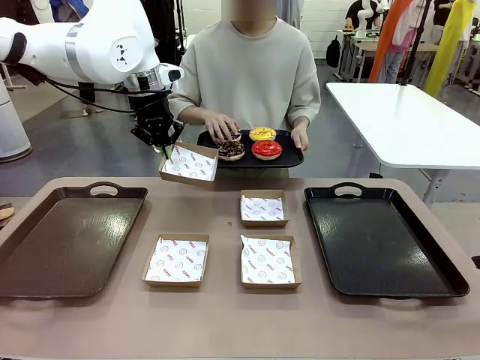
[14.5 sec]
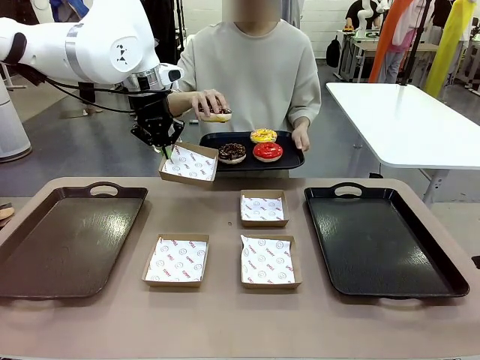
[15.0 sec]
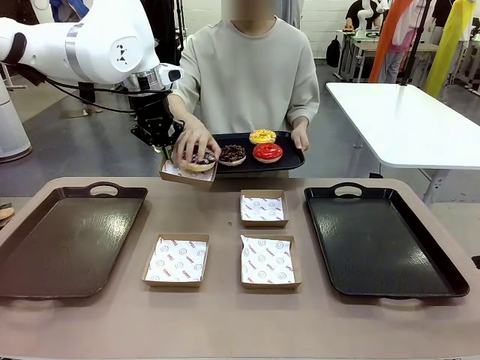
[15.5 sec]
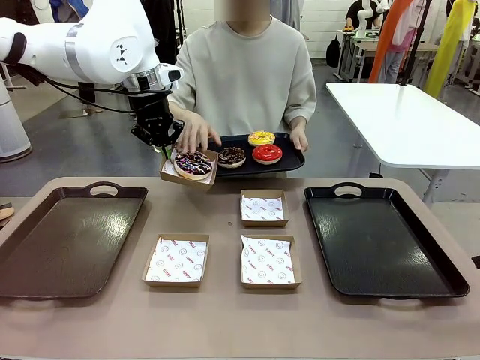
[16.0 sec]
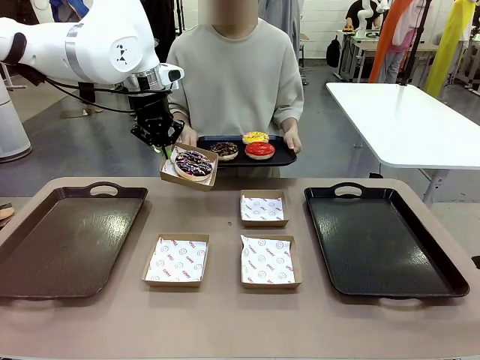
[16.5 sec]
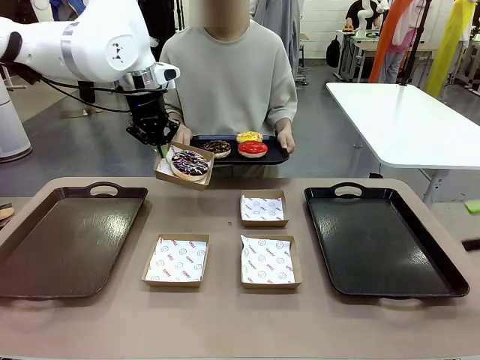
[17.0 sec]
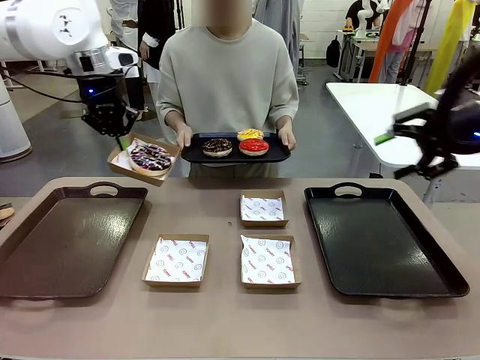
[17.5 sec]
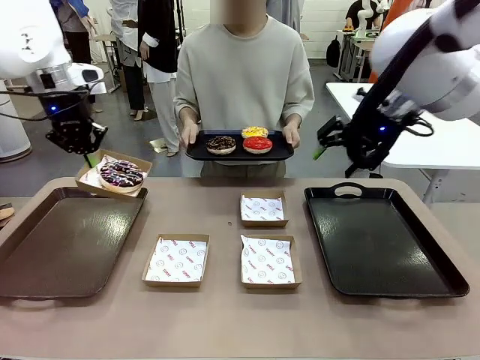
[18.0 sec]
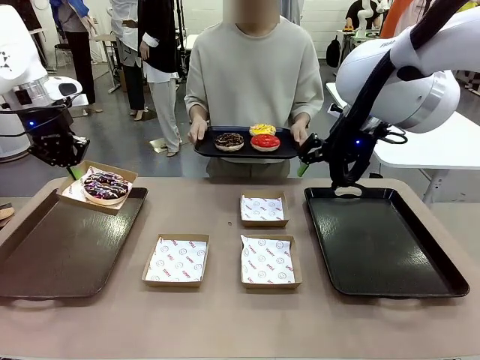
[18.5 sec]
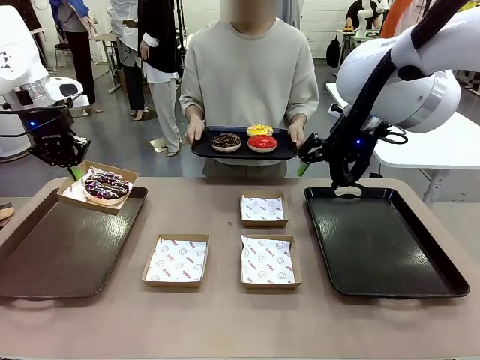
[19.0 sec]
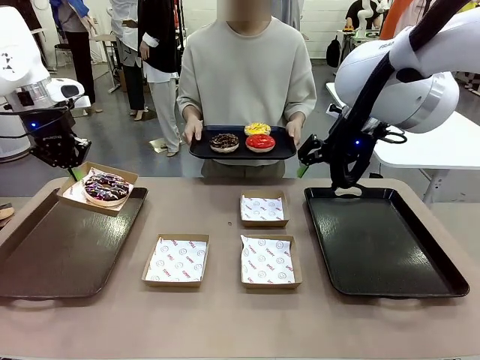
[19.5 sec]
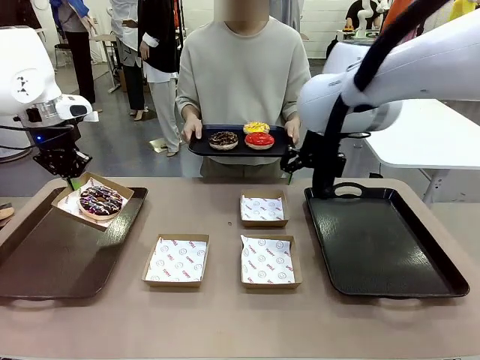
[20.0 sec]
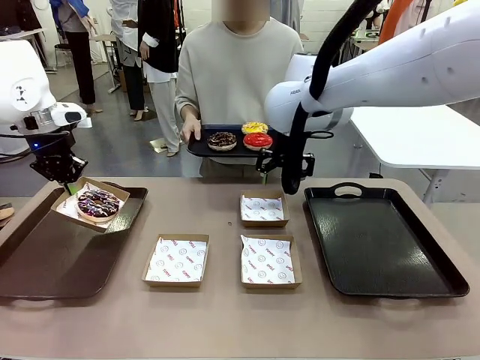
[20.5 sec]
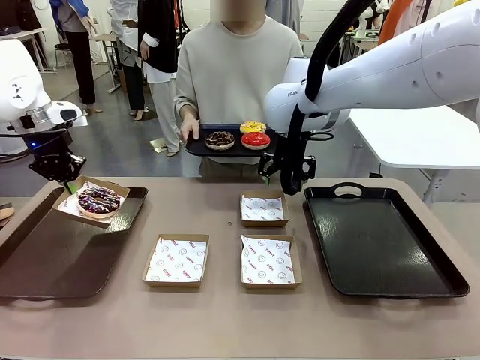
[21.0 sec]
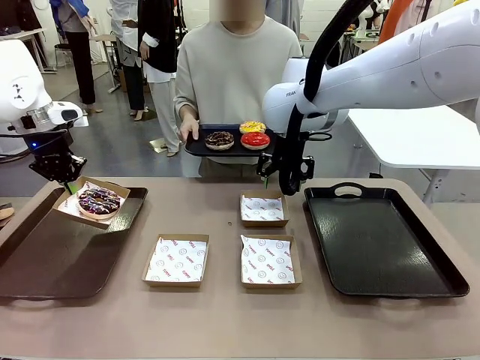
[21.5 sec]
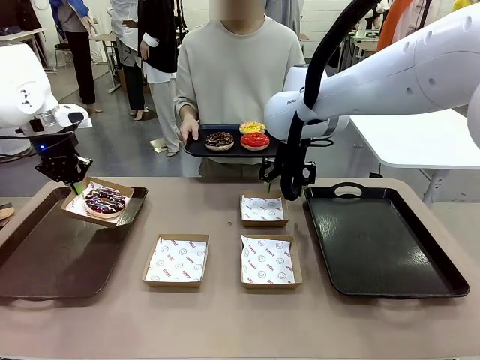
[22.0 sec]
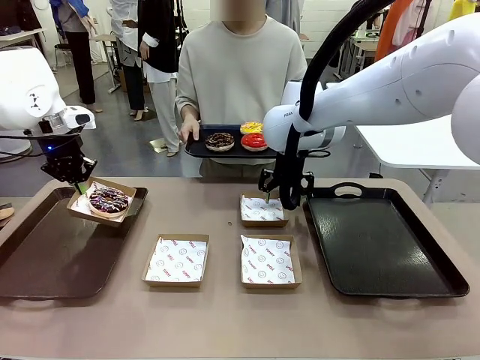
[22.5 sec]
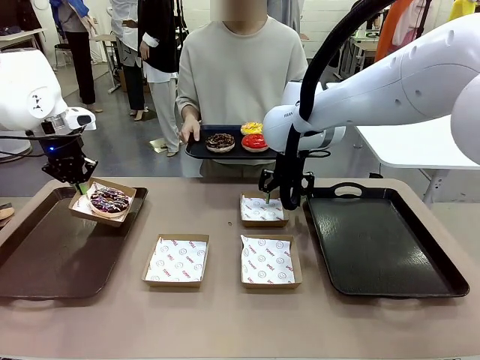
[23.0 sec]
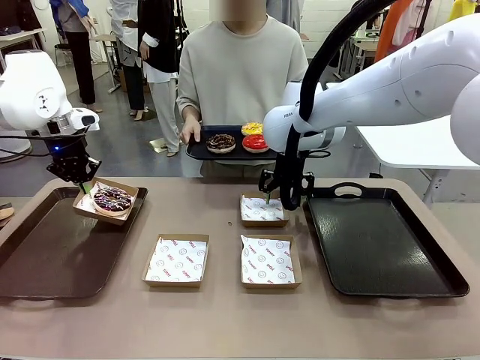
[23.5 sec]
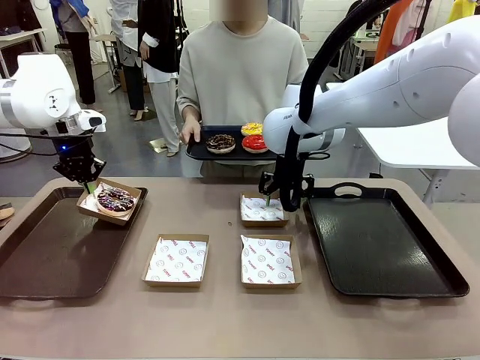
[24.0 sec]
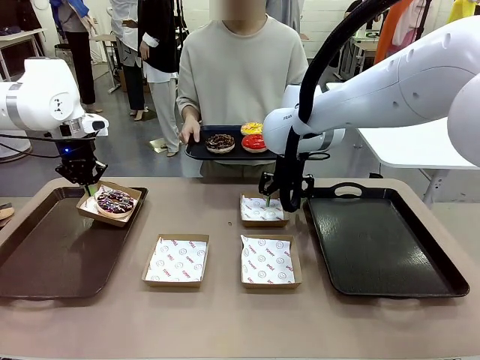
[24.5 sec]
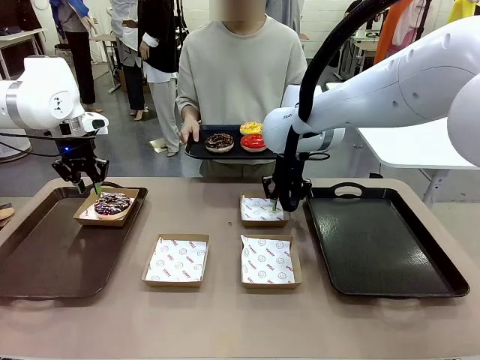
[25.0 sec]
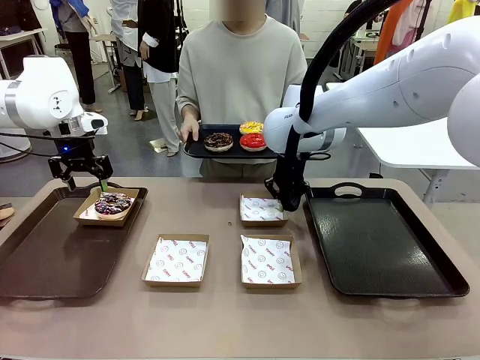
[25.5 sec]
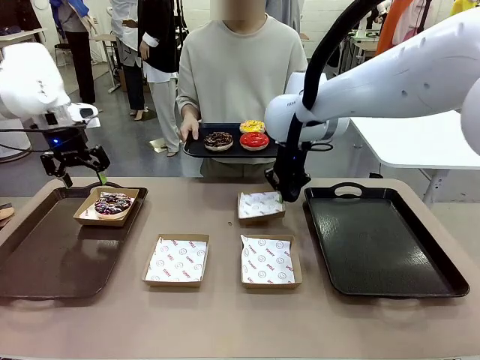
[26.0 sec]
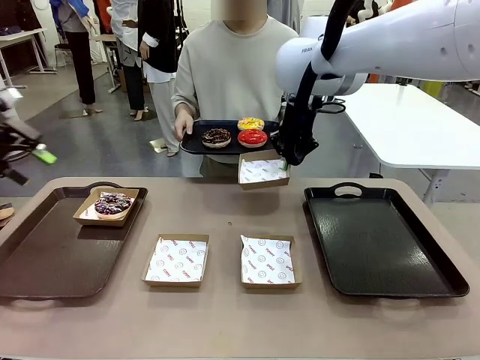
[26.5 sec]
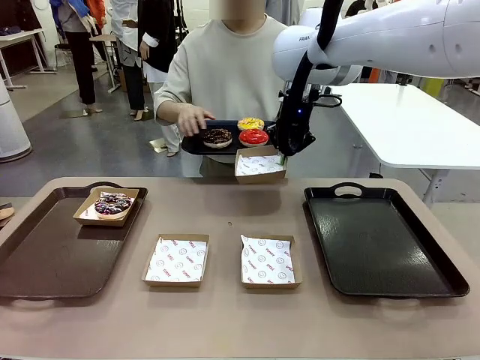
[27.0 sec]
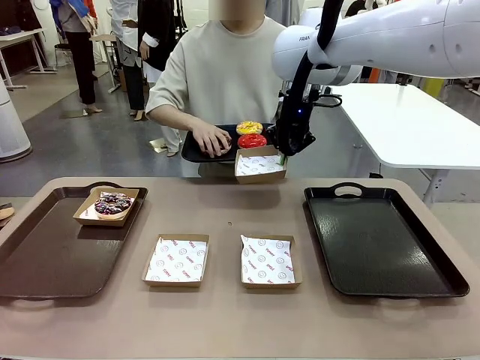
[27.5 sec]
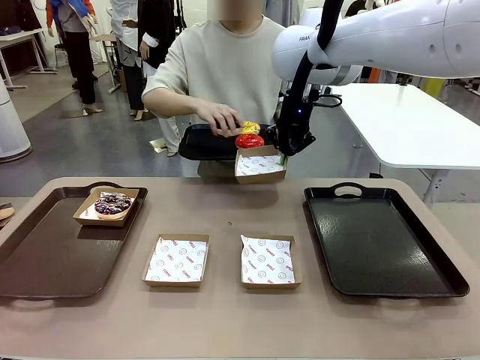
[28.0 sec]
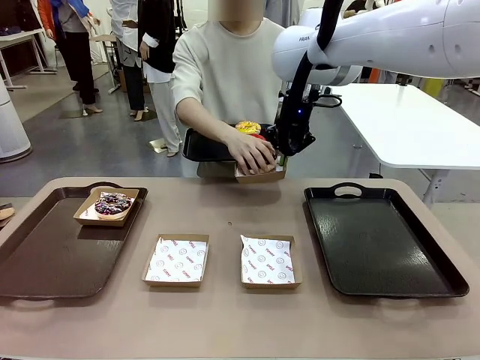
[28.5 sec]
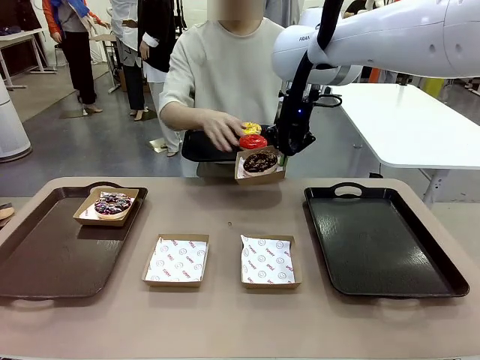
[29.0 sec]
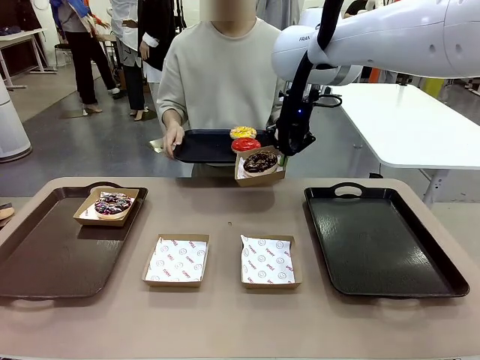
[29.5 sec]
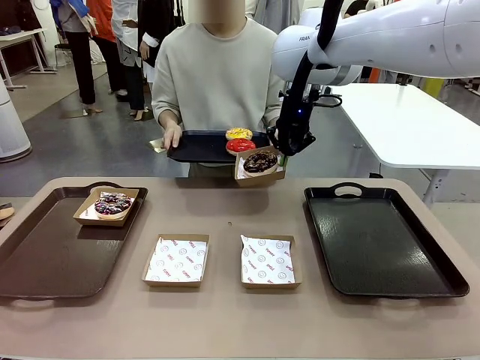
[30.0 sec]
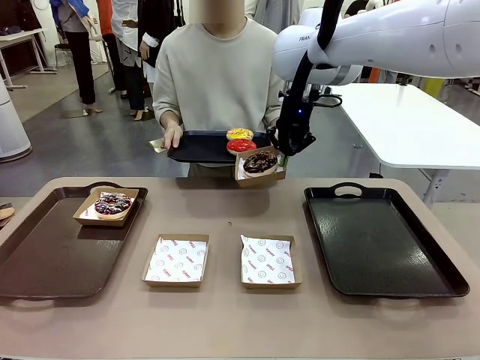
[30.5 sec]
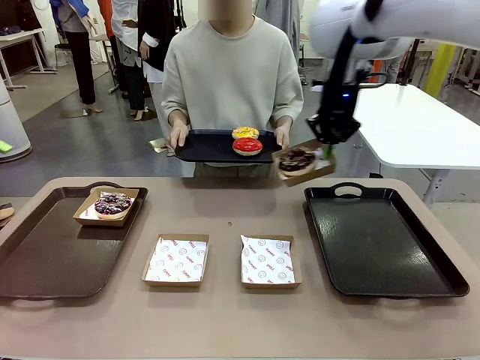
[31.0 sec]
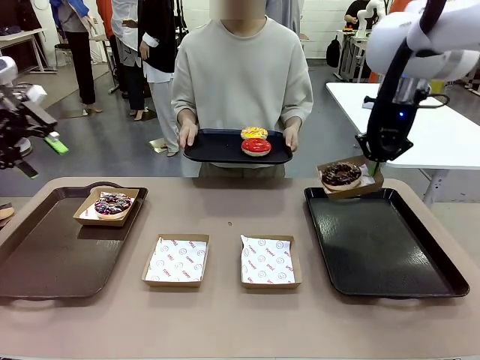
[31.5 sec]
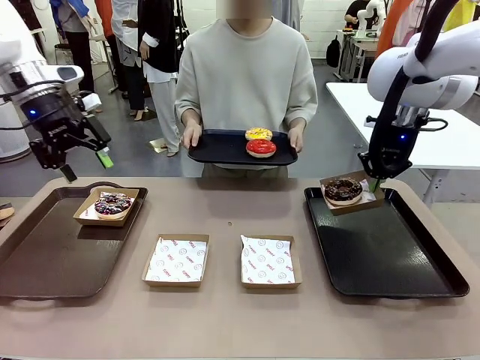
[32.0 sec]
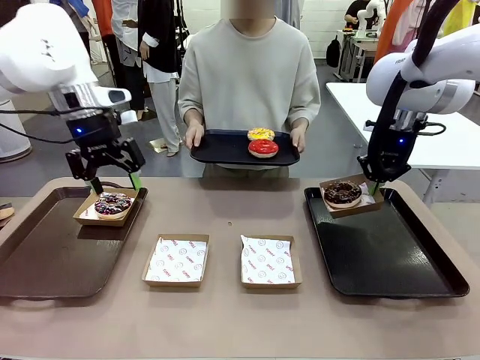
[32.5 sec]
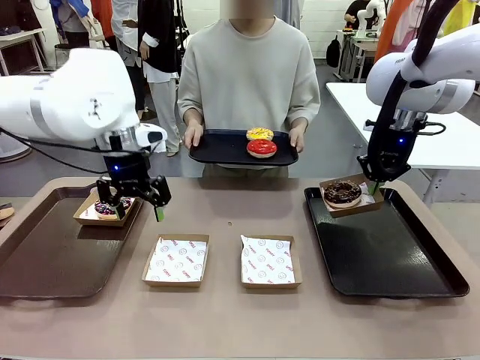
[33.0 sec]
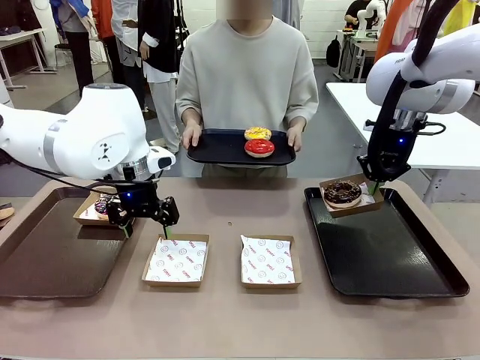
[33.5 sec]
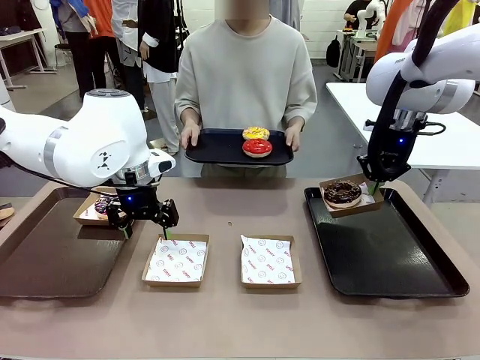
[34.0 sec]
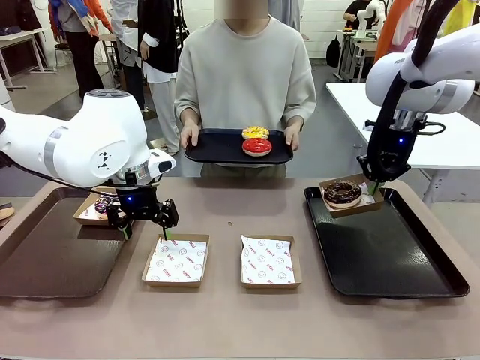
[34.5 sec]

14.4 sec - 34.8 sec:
Task: Individually package the donuts and arrange them on the tray.
Robot: Place the picked Paper togo box on the Handle tray while simultaneously picking up another Paper togo box from the table with the other hand.
